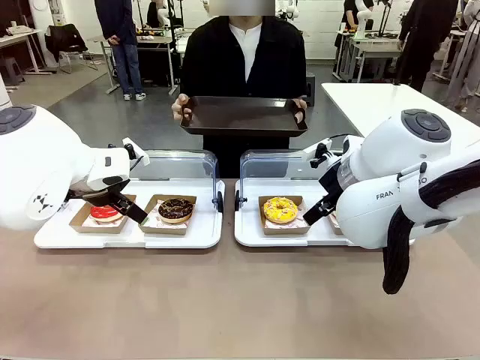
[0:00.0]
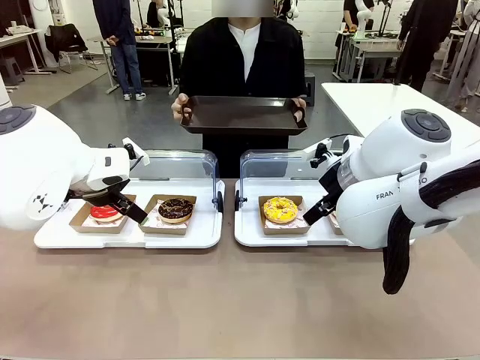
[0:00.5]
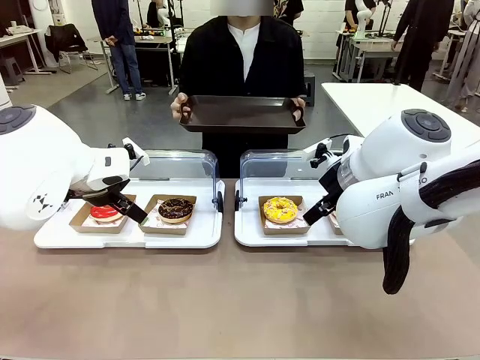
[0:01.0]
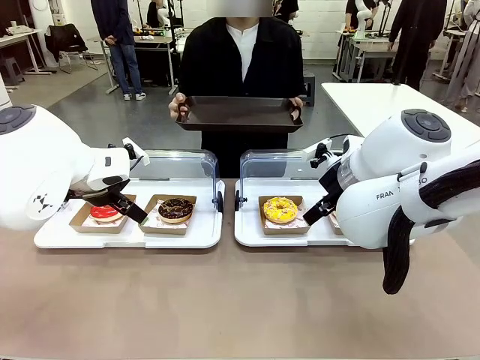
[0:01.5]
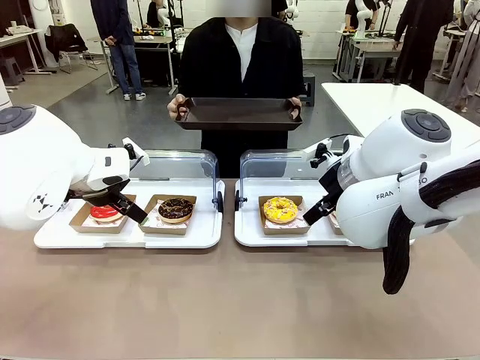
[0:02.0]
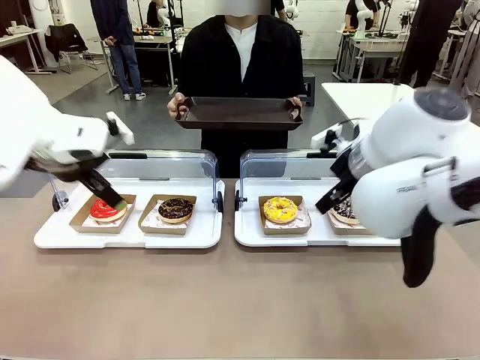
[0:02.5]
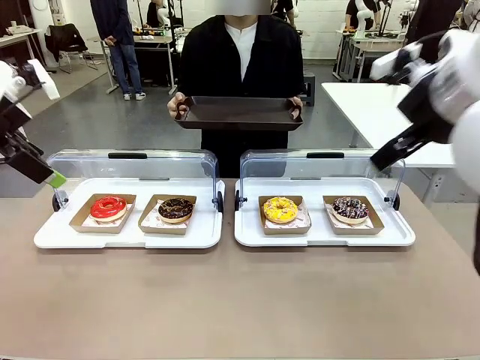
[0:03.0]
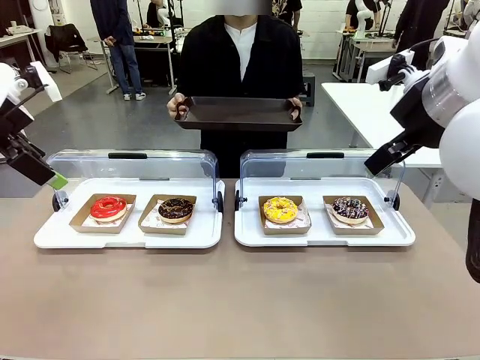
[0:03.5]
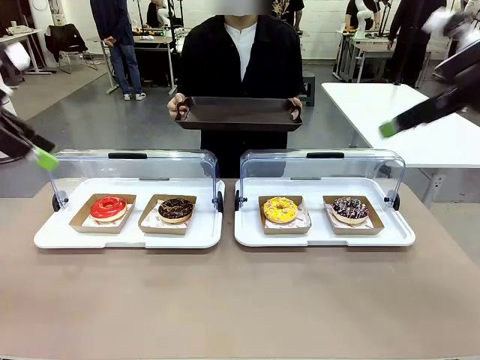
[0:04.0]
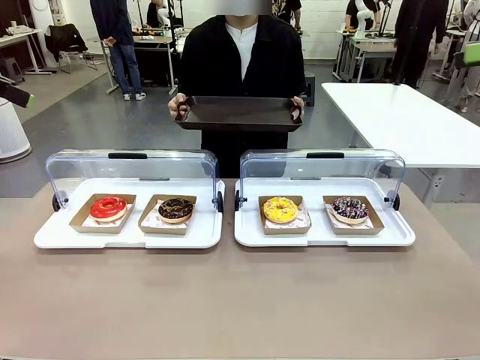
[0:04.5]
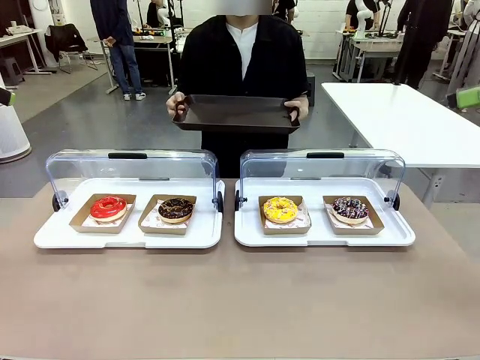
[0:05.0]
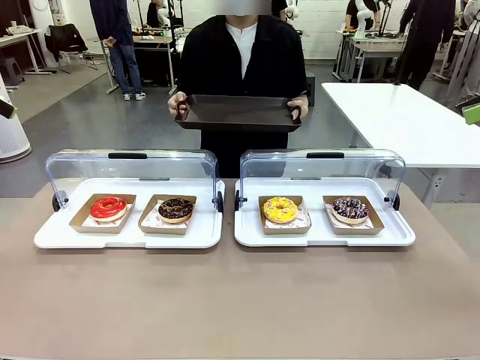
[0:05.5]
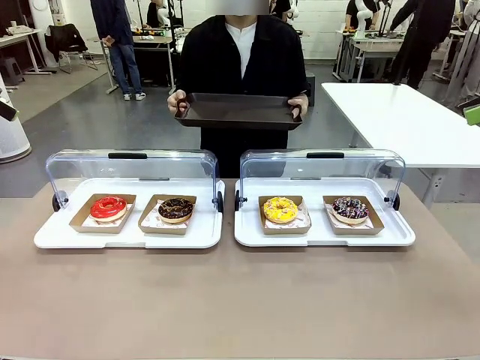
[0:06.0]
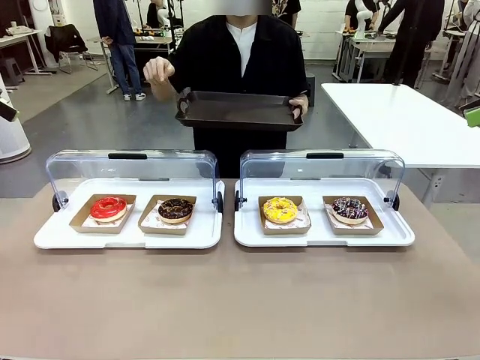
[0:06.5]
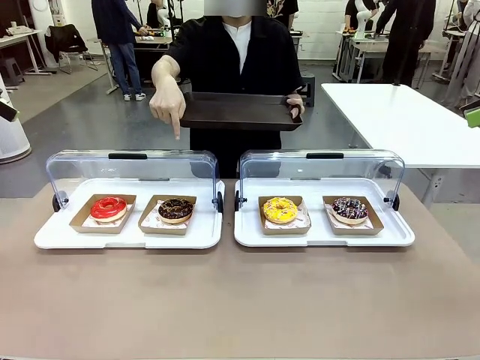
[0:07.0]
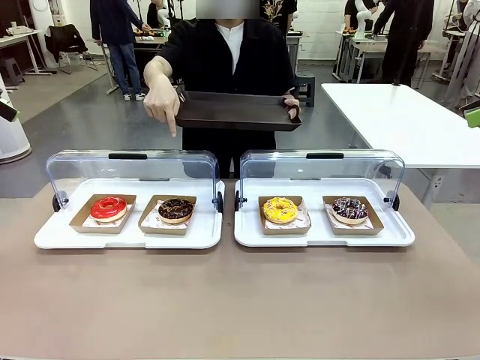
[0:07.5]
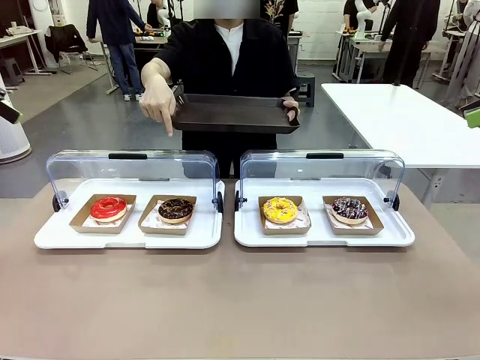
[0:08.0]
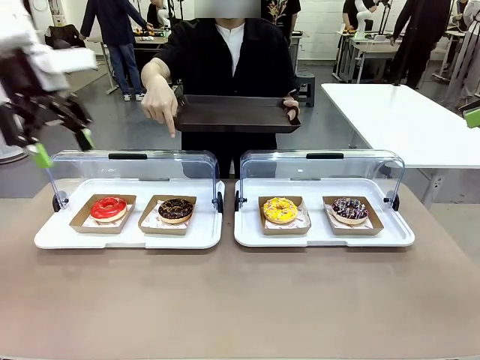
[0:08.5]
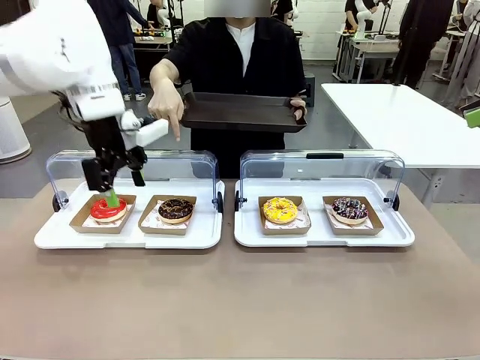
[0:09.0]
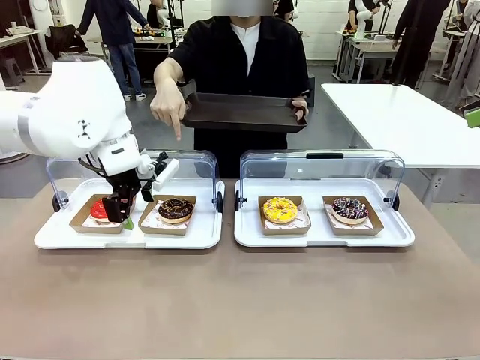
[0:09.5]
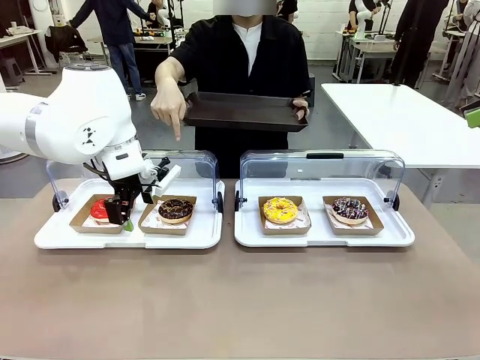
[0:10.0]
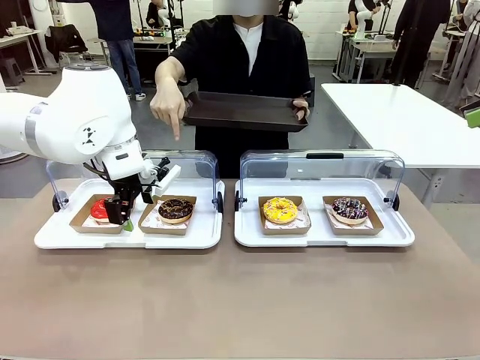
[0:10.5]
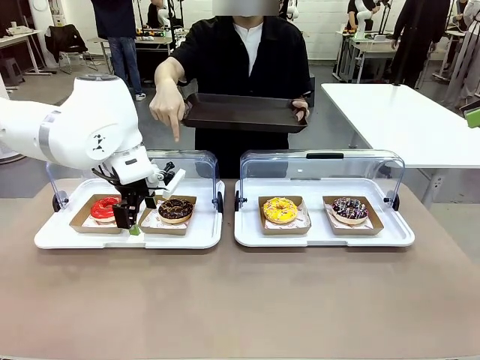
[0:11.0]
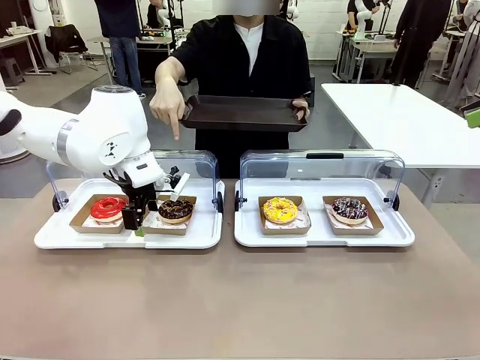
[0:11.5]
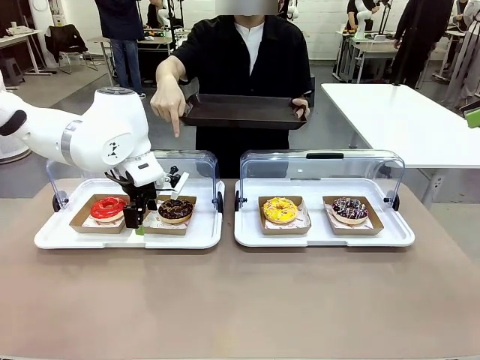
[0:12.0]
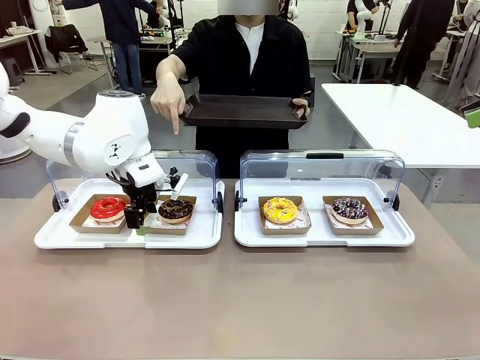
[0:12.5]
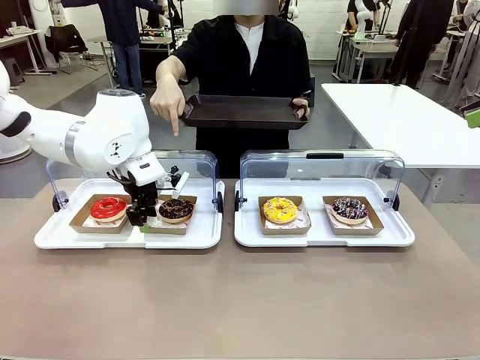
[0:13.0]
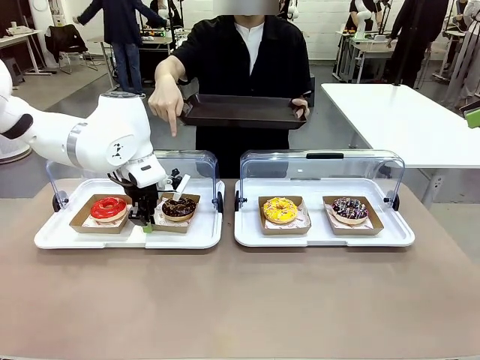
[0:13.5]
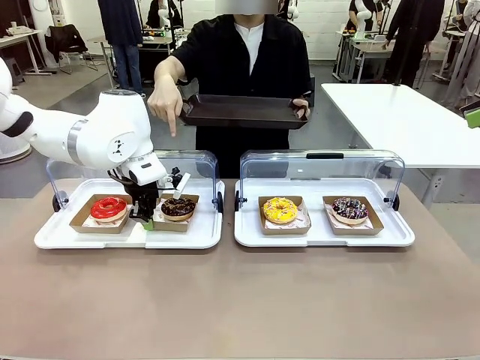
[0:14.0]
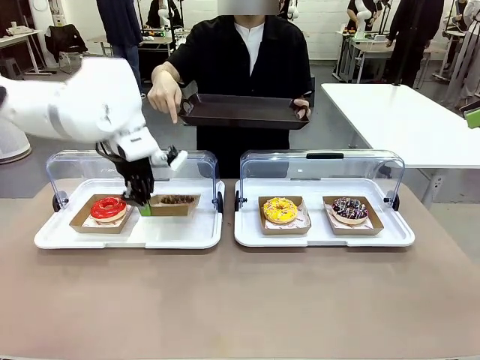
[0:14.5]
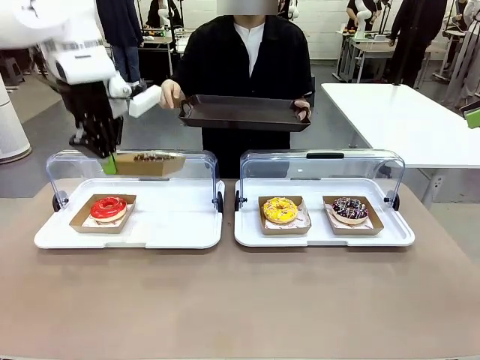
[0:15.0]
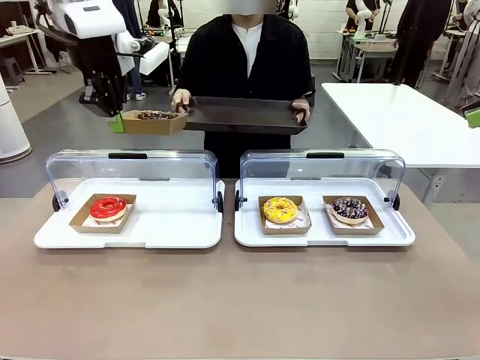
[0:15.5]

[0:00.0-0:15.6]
Task: Provide the desired donut to the person.
Robot: Pick up and lift the Paper togo box containing the Donut pointed at by the person.
Person: Point to one donut. Lift the tray onto the Roll-Top Bakery Case.

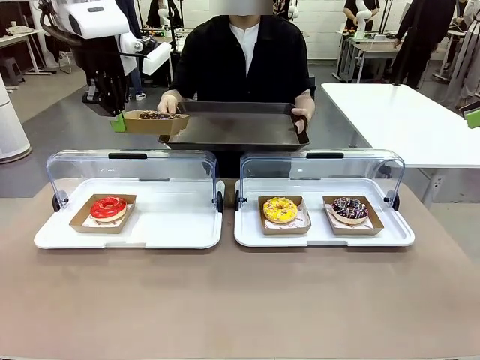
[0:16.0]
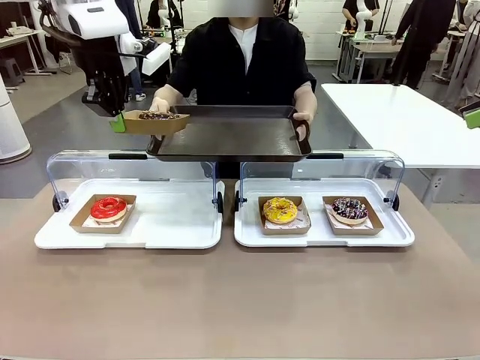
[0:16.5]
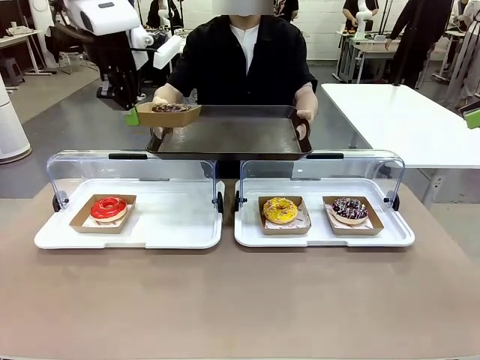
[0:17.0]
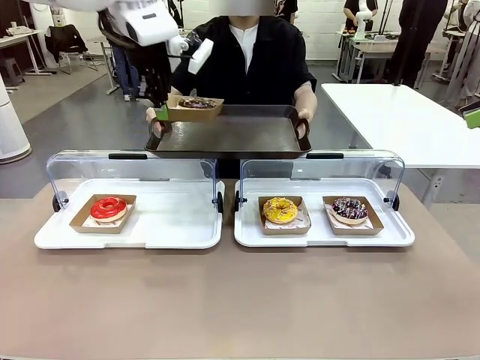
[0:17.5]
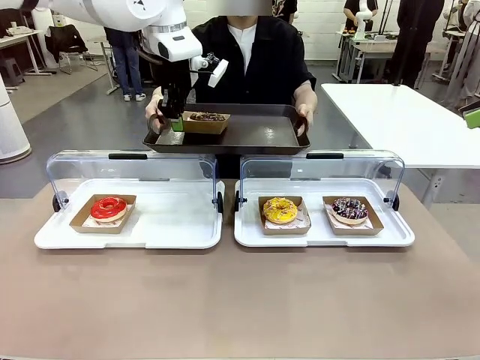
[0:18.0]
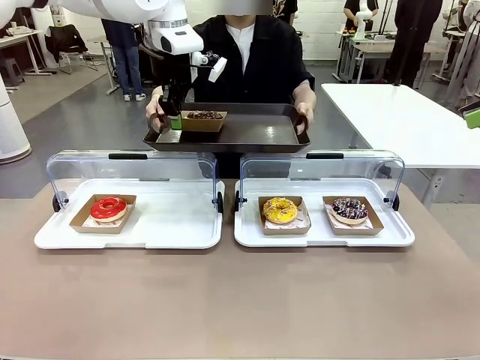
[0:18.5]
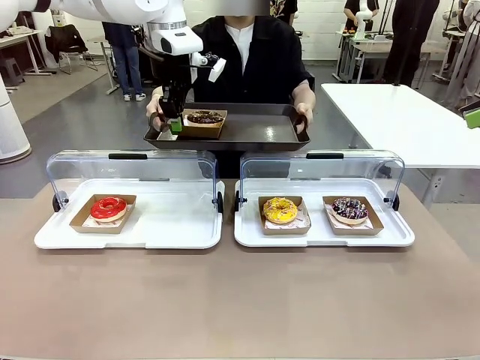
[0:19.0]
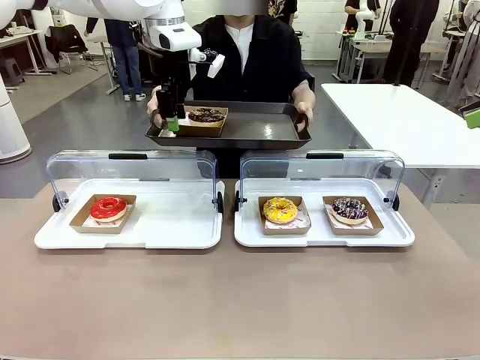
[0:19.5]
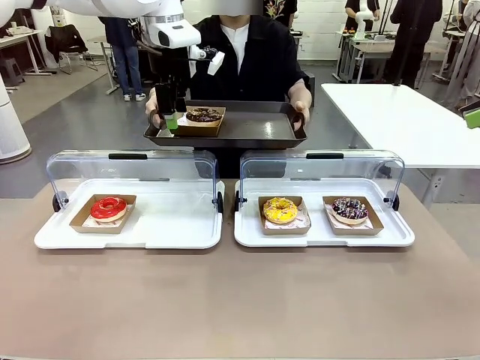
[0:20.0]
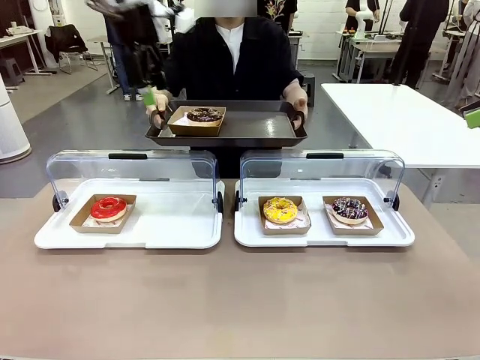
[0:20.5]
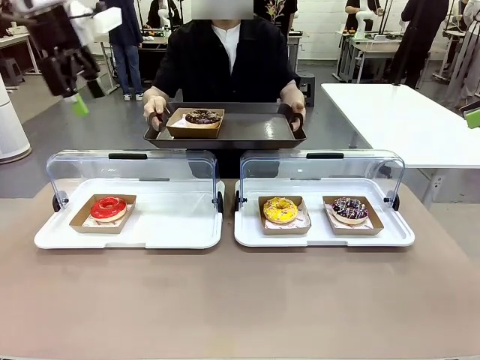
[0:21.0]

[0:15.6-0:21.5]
Robot: Place the picked Paper togo box onto the Handle tray extended by the person.

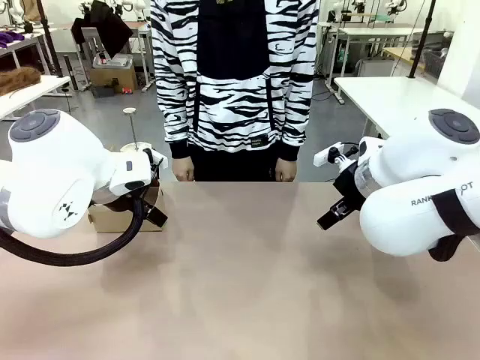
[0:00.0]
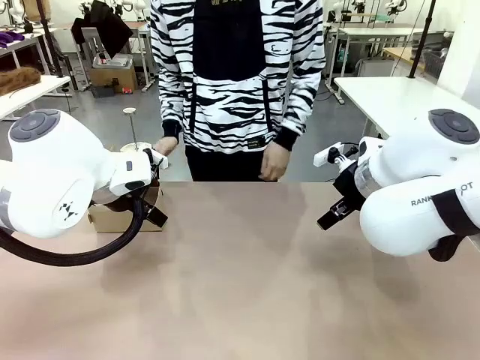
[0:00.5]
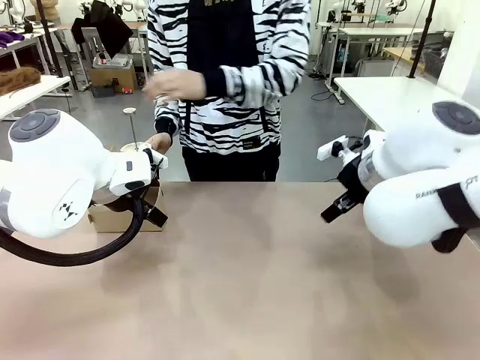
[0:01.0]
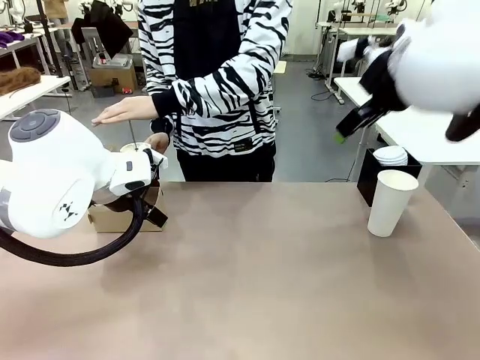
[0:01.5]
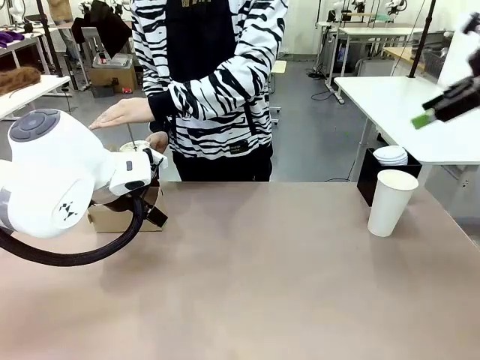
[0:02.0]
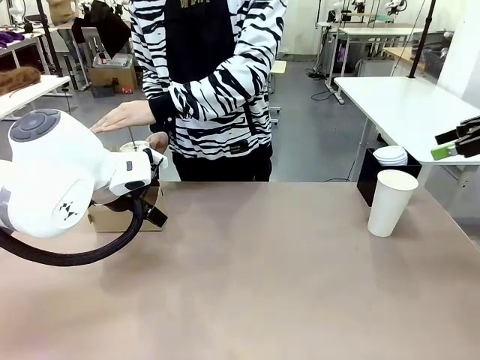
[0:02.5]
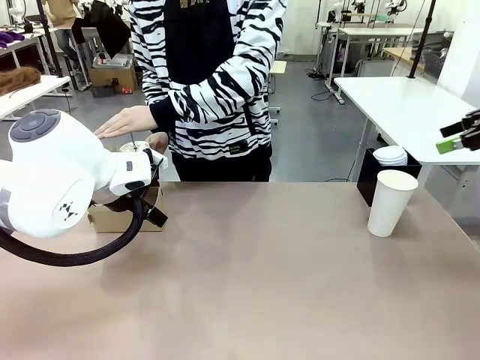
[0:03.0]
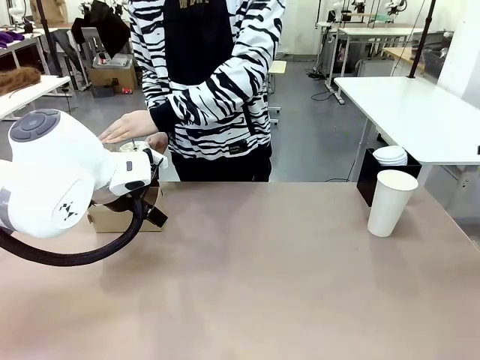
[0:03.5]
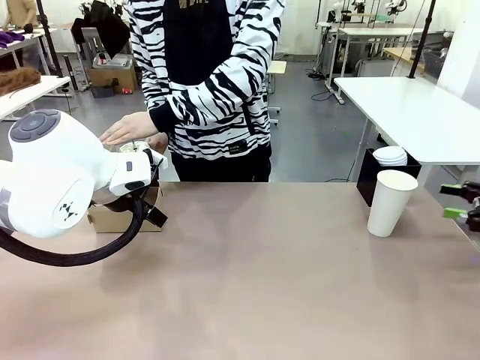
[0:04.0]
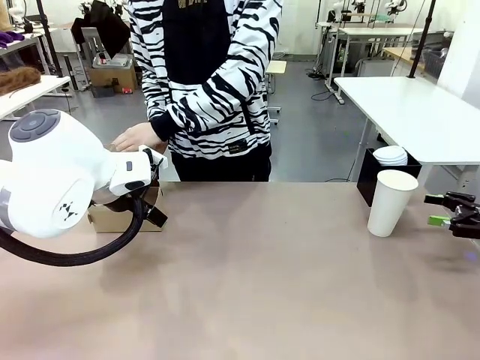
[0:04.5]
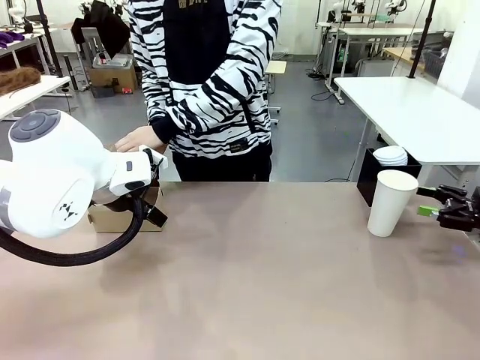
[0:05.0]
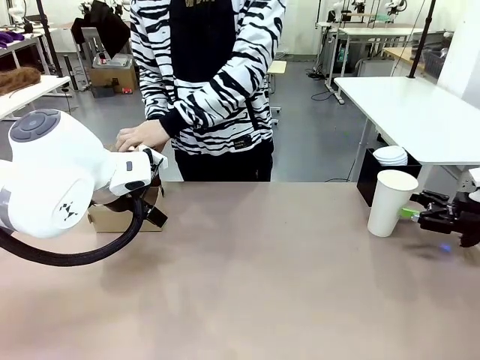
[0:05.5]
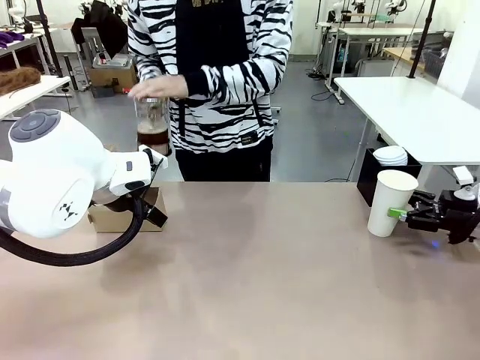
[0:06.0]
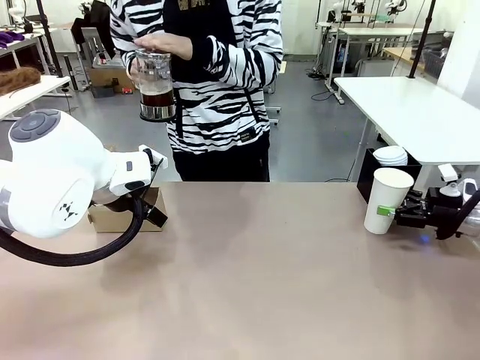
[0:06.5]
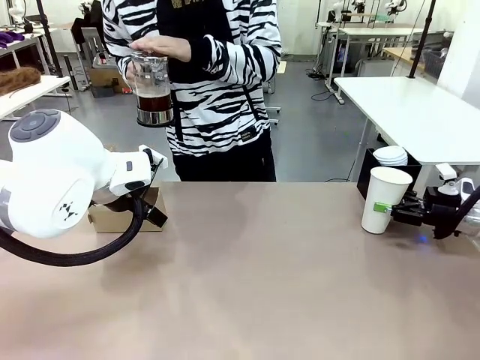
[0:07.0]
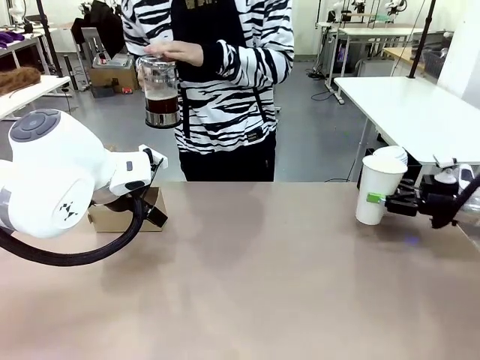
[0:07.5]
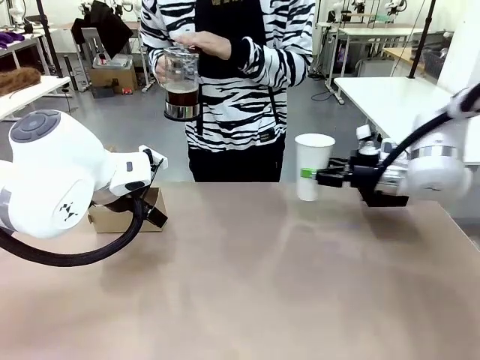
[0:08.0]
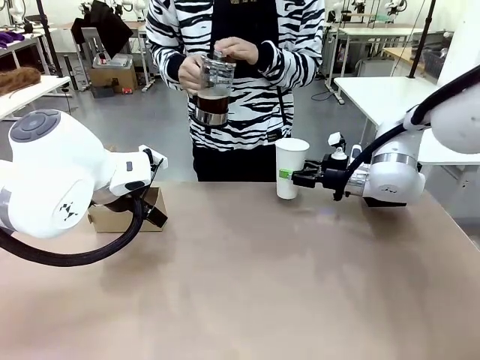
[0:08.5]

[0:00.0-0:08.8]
Task: Pour a drink into a cup and package it in a carrier.
Robot: Pick up the 600 ml Paper Cup and place it in the middle top area of the table.
Person: Press and pick up the Filter Brewing.
